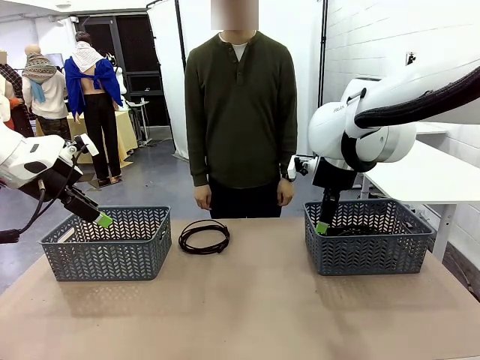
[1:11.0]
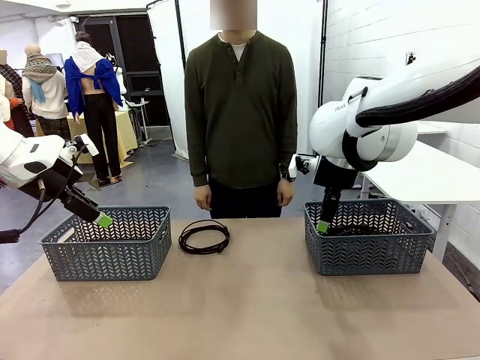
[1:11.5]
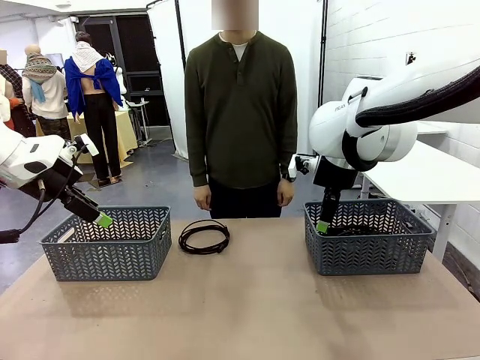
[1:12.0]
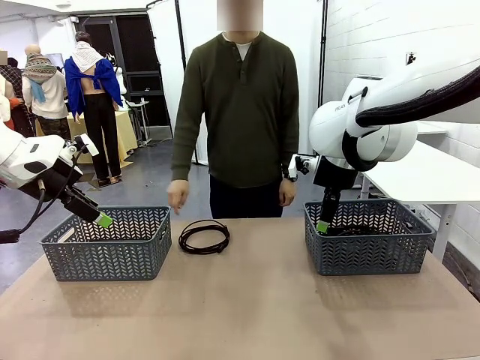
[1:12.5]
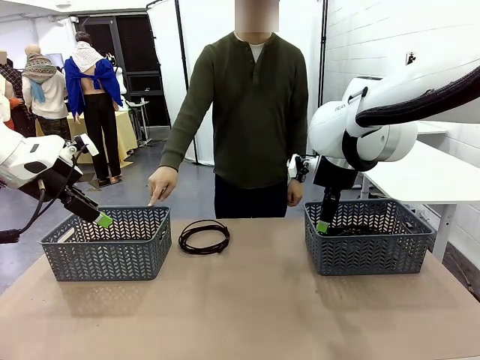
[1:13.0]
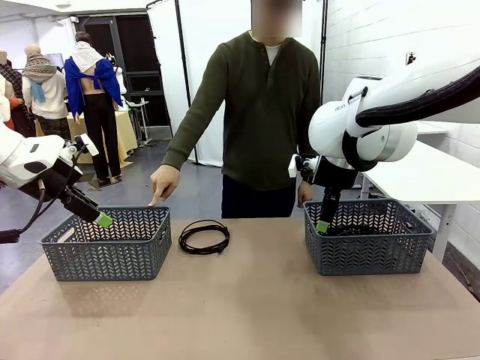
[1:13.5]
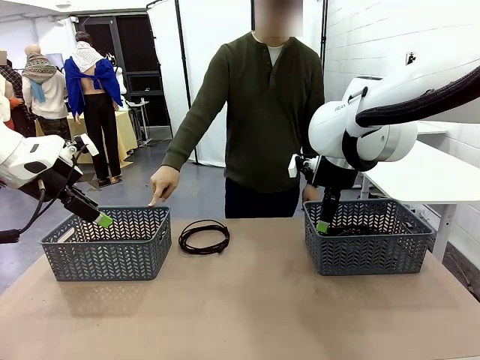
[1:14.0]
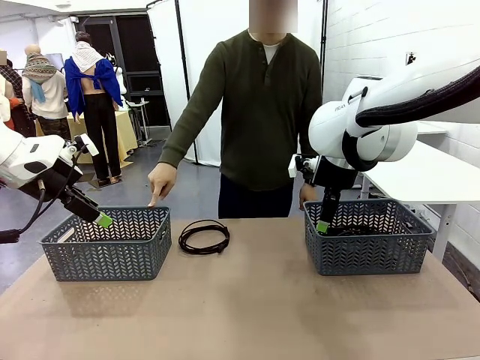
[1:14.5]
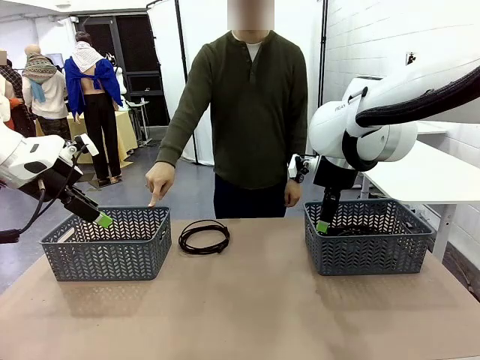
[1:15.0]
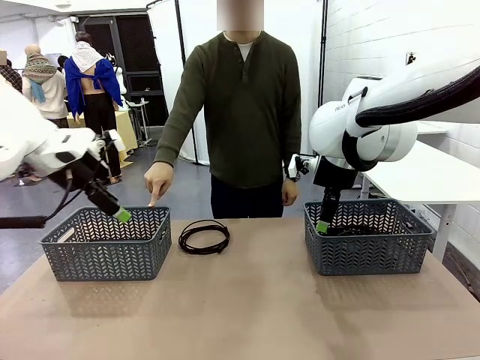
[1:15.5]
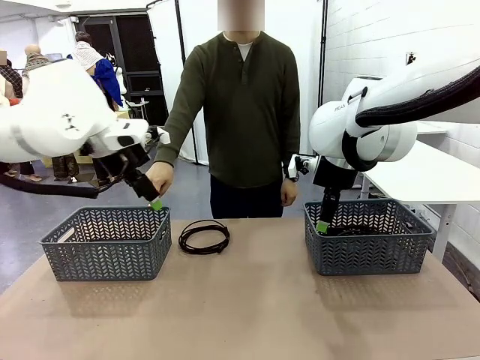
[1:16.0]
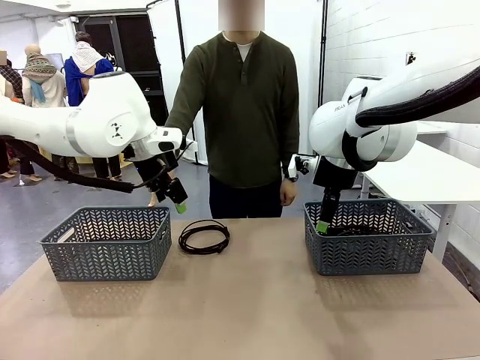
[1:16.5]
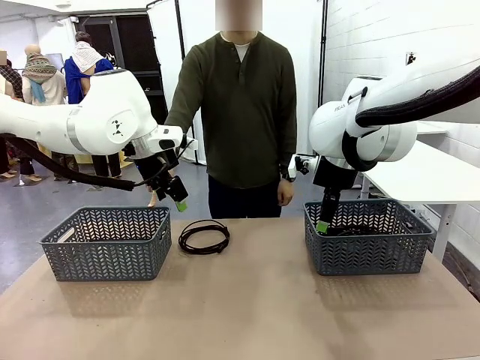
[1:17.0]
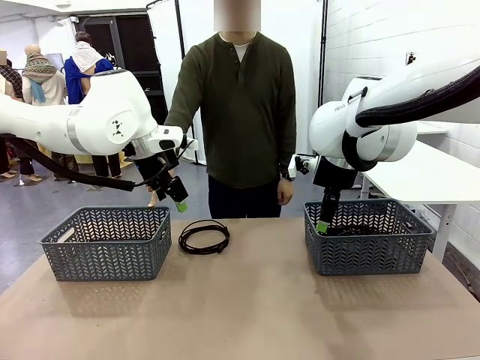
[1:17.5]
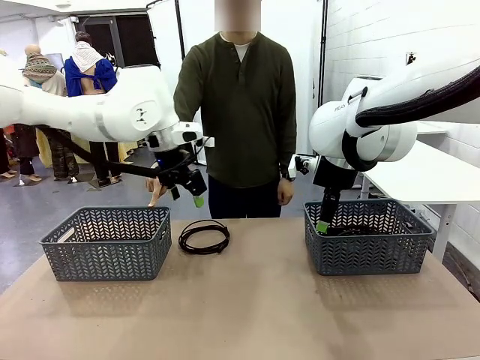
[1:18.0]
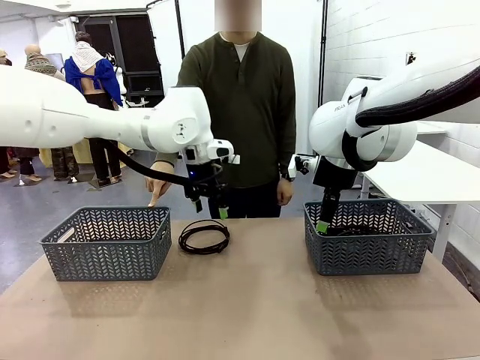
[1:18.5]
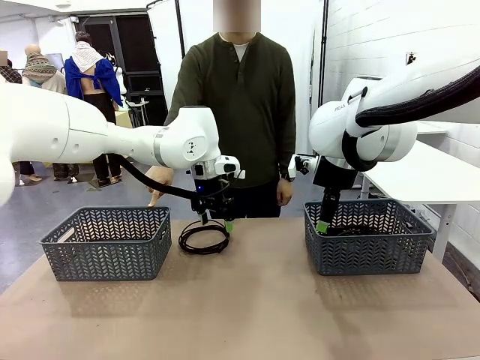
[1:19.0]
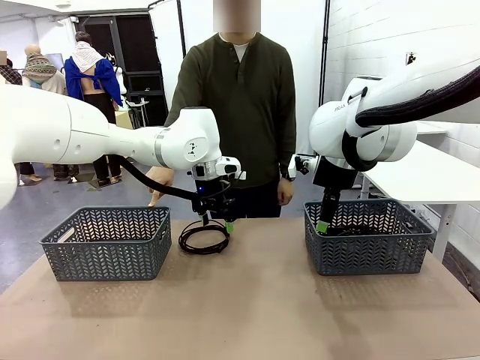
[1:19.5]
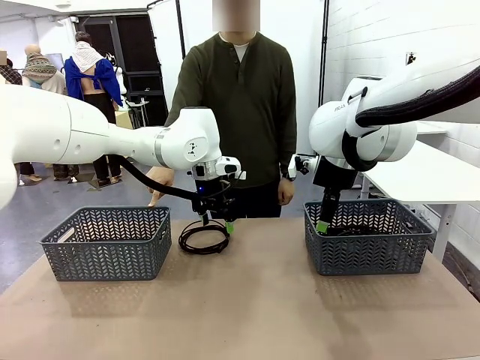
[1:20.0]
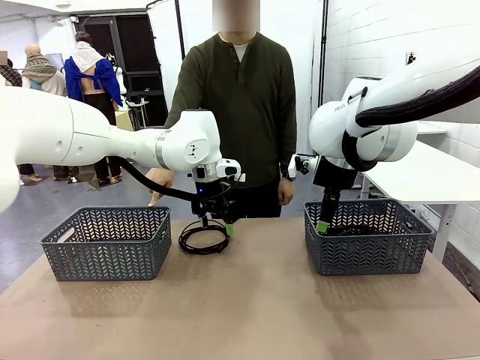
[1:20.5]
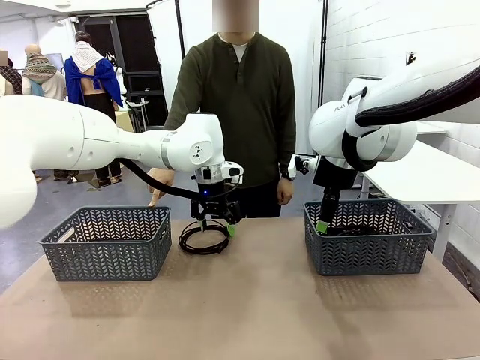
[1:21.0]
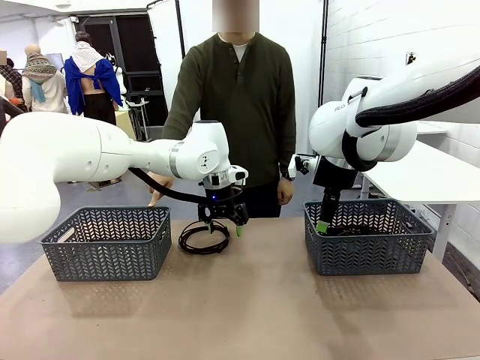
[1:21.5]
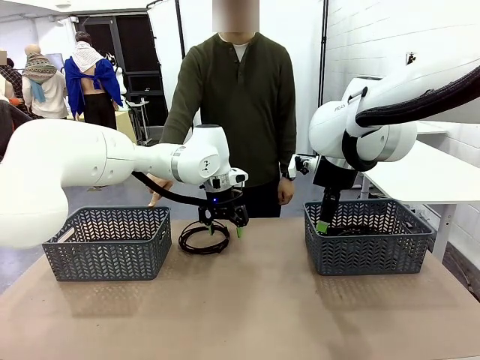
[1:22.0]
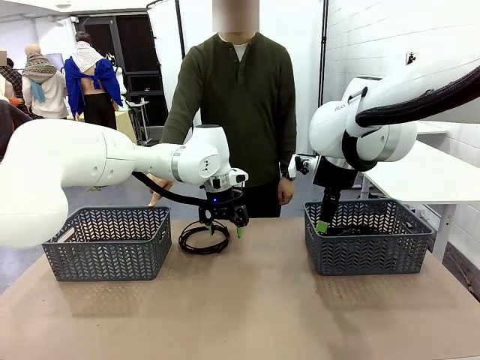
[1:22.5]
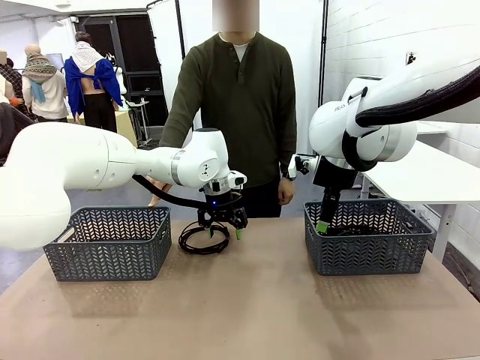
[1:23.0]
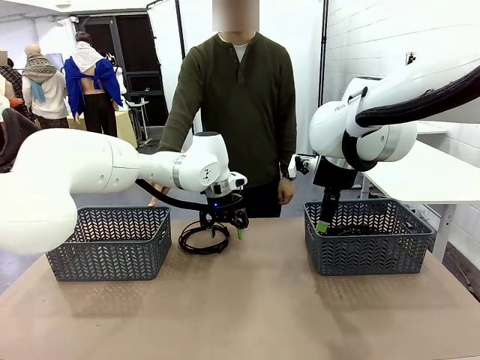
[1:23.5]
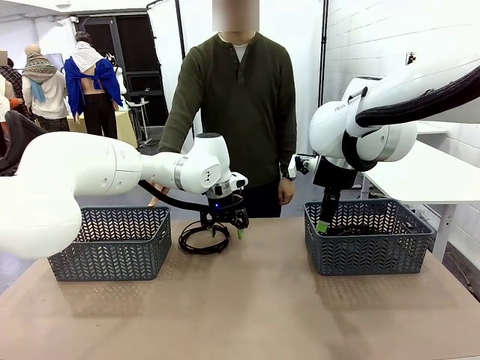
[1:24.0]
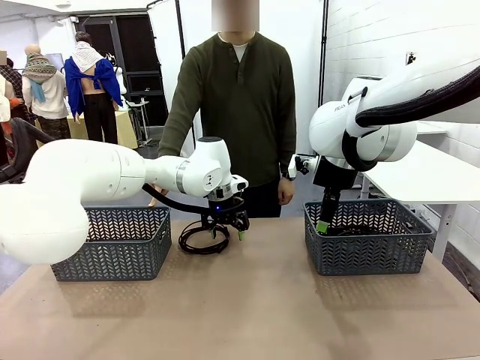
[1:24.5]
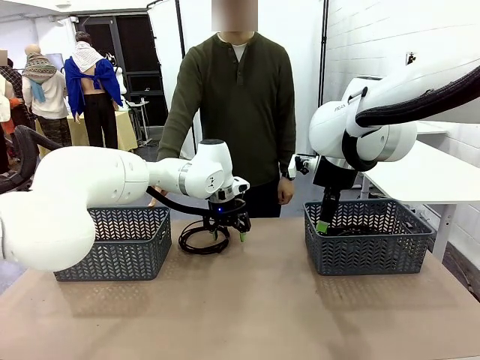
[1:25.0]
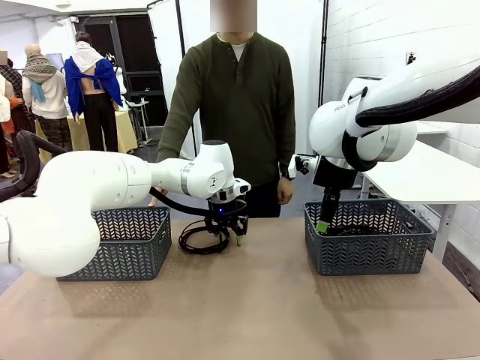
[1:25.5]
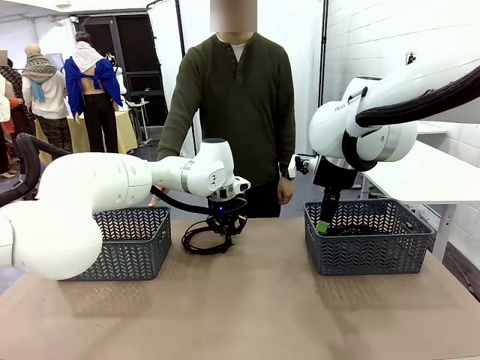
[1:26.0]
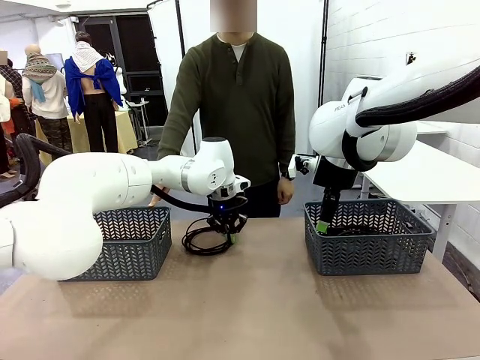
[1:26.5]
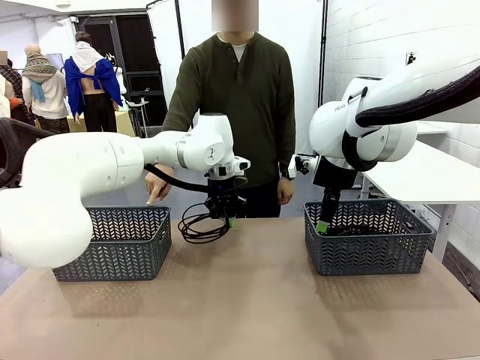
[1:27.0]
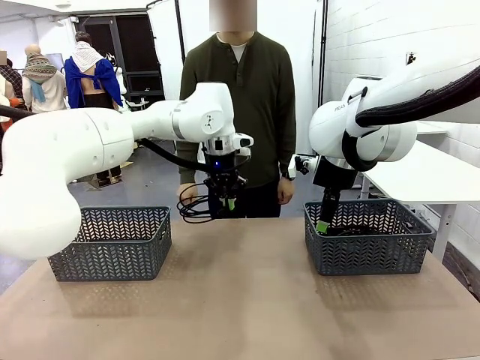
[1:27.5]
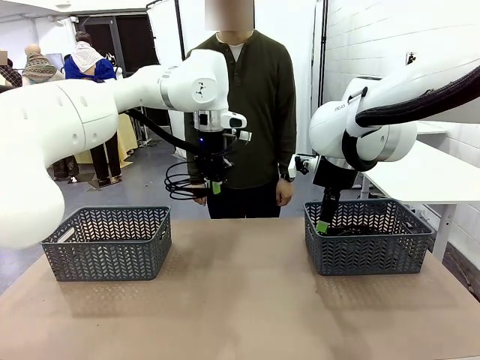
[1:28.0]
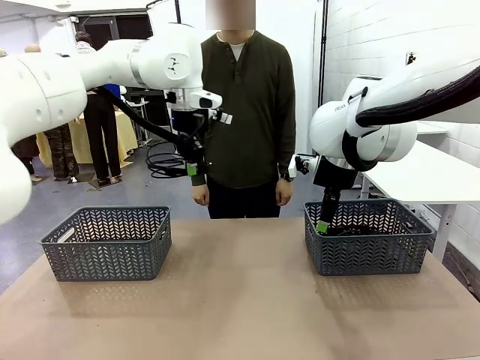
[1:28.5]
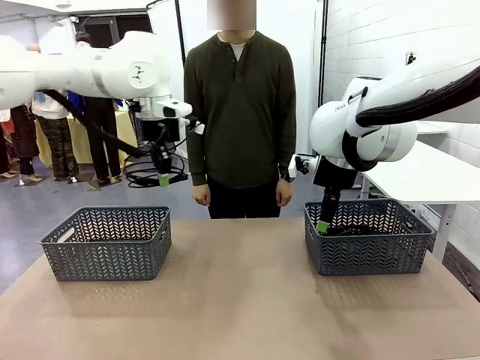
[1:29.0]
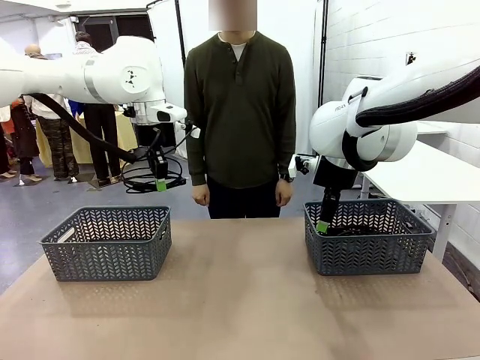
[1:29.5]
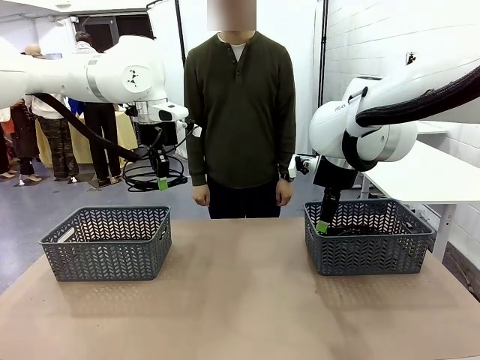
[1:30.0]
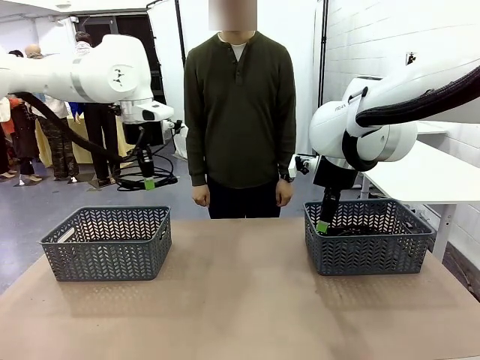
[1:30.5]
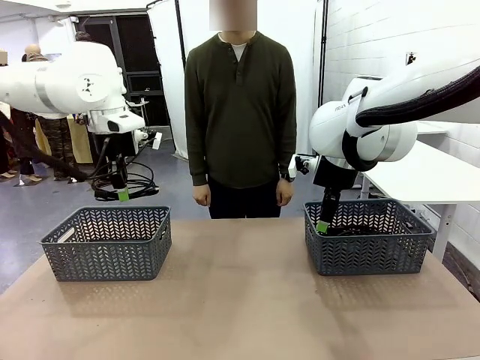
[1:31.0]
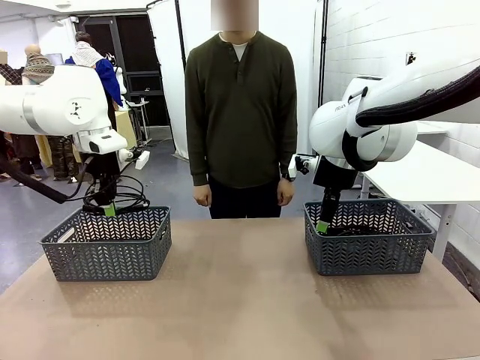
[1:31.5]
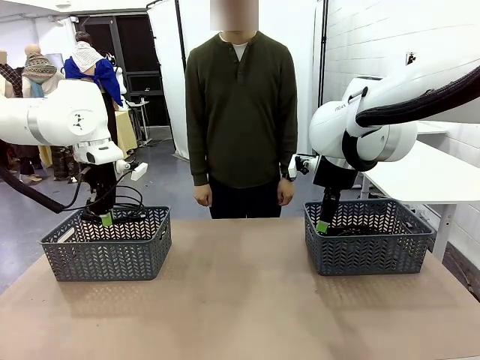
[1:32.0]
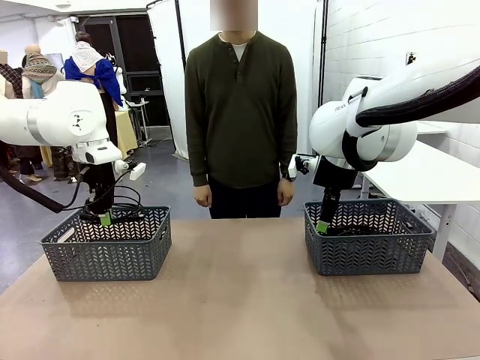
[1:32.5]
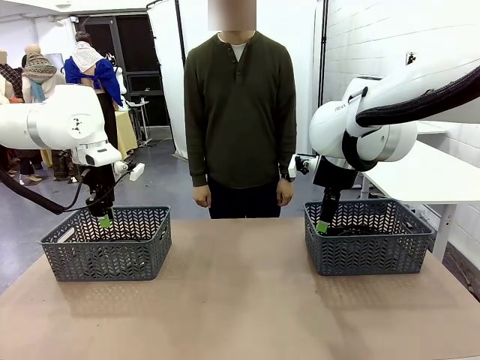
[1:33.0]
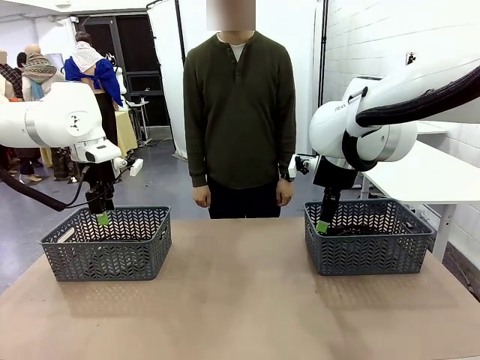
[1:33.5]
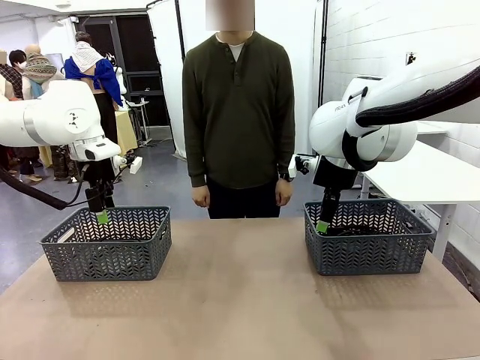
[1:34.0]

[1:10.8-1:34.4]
Task: Organize the cables according to human instructions.
Robot: Pick up a bundle of cables and place it in the basket indicated by the human.

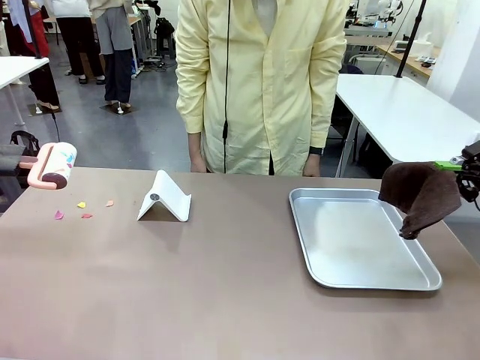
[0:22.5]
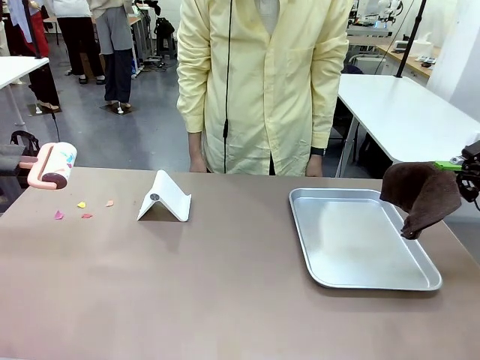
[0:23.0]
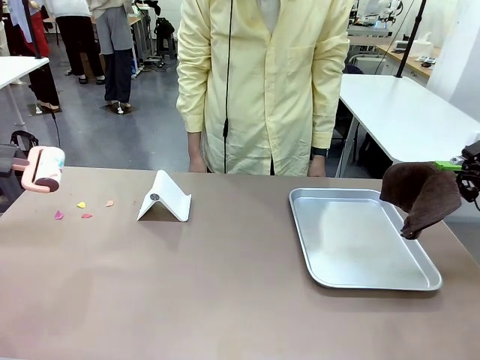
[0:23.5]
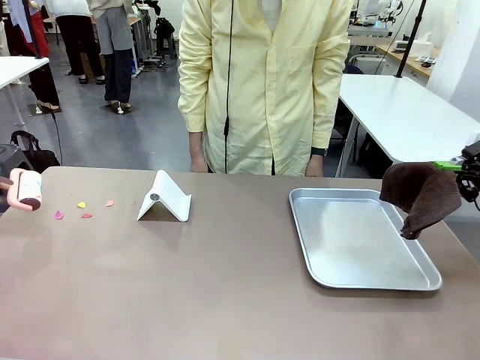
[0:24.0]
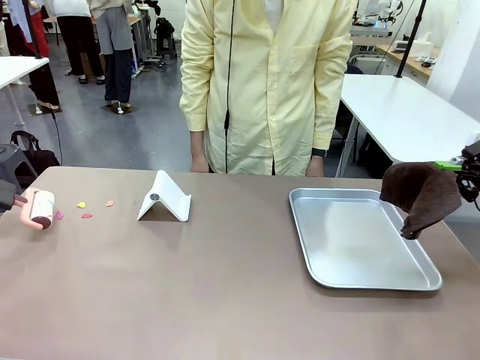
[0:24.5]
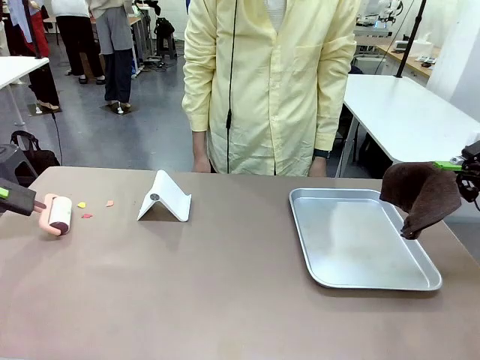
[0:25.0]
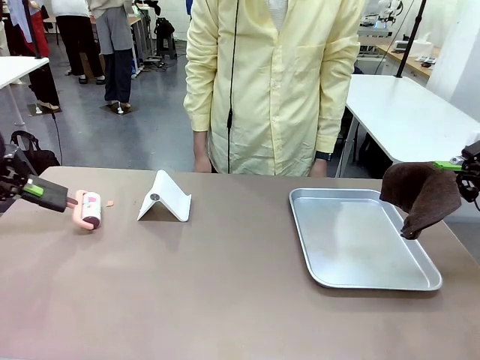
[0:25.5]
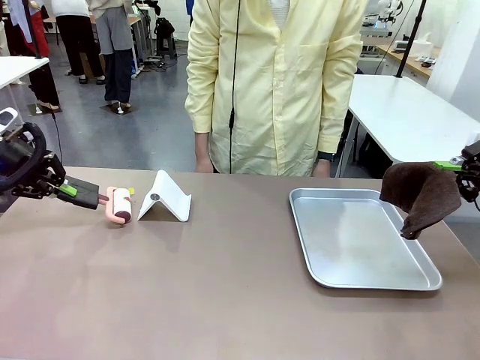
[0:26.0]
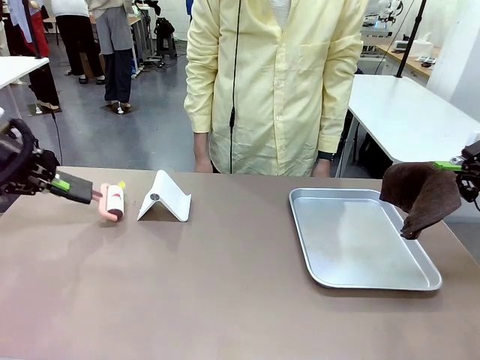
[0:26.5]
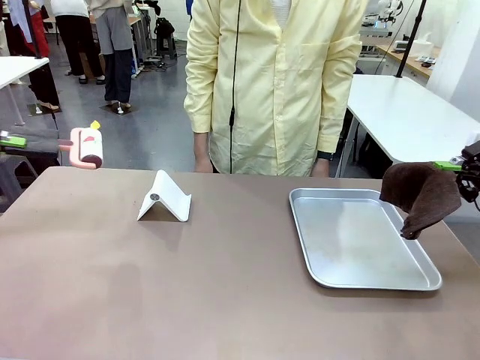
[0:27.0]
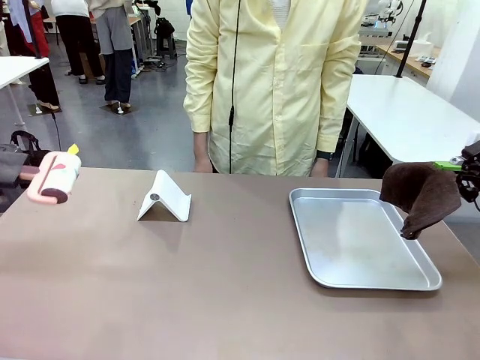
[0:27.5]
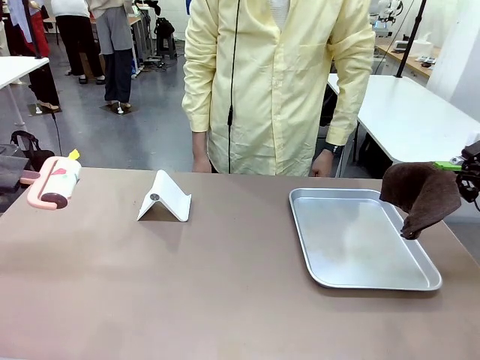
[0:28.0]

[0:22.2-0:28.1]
Task: Clean the surface of the table.
Robot: Clean the area not pointed to by the person.
